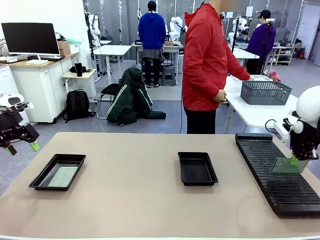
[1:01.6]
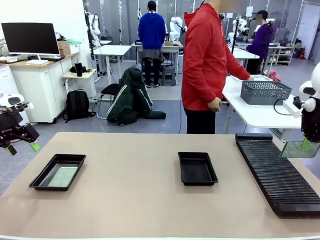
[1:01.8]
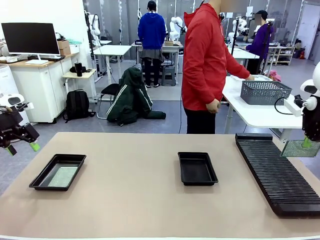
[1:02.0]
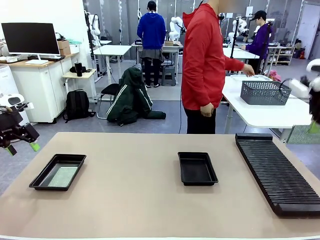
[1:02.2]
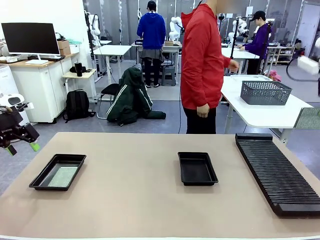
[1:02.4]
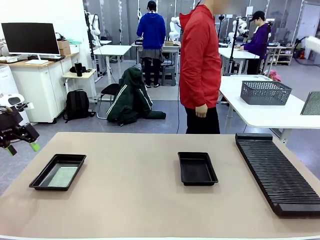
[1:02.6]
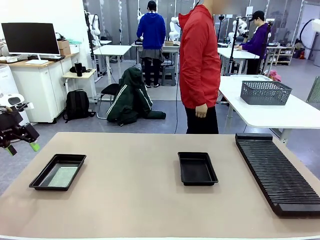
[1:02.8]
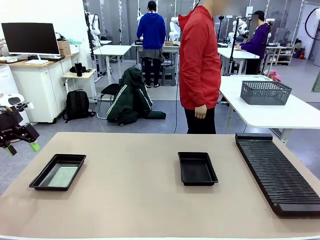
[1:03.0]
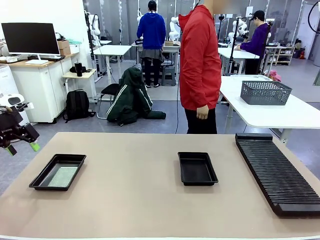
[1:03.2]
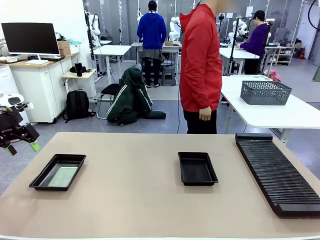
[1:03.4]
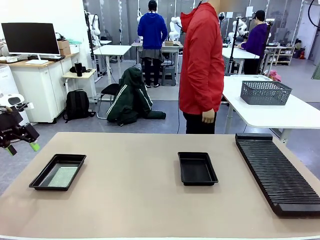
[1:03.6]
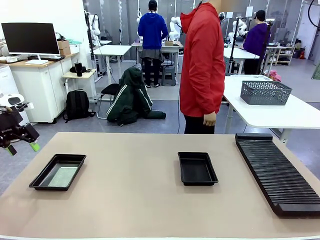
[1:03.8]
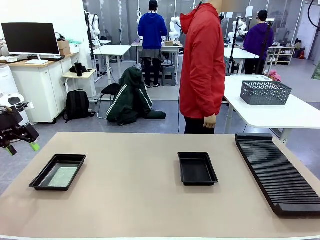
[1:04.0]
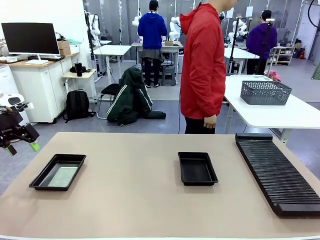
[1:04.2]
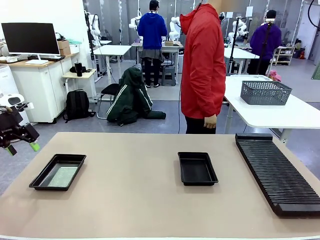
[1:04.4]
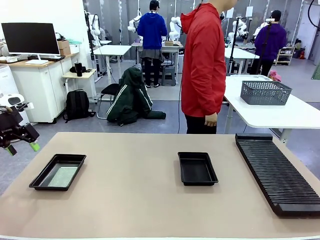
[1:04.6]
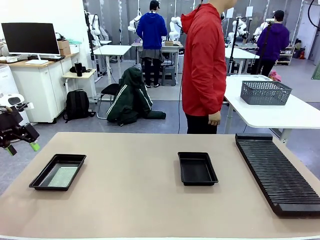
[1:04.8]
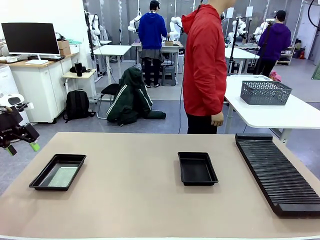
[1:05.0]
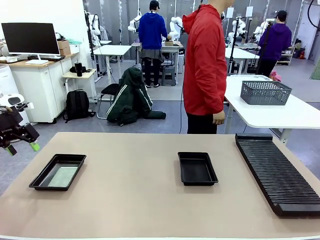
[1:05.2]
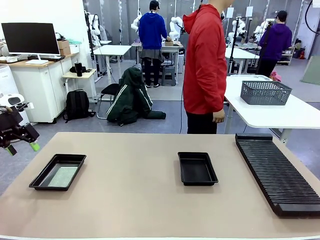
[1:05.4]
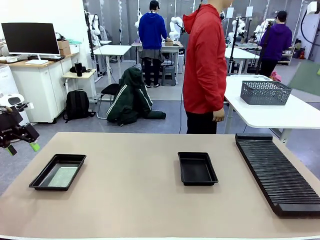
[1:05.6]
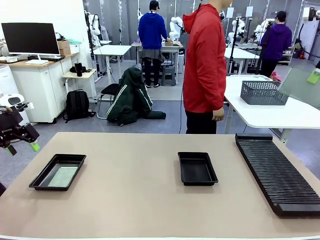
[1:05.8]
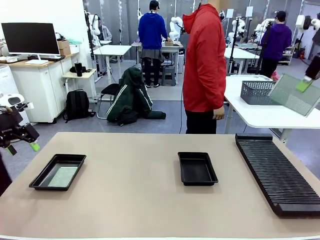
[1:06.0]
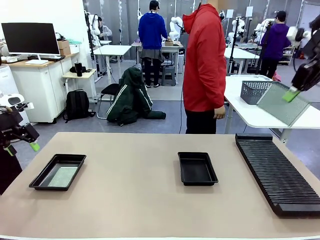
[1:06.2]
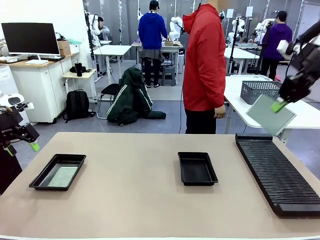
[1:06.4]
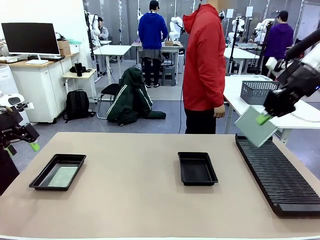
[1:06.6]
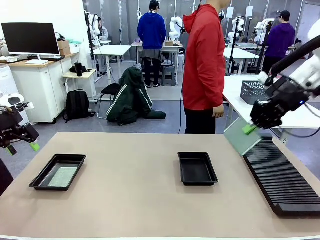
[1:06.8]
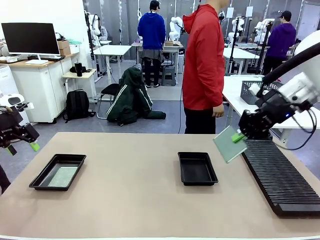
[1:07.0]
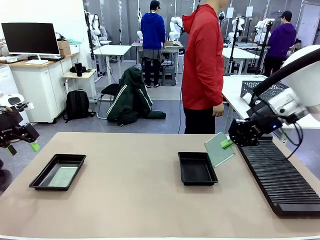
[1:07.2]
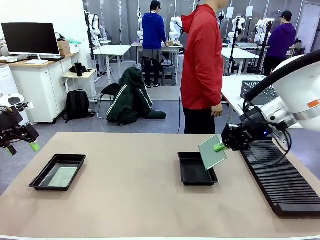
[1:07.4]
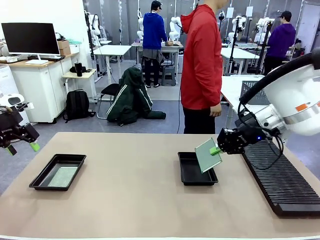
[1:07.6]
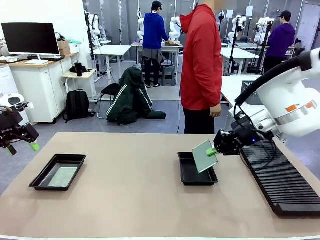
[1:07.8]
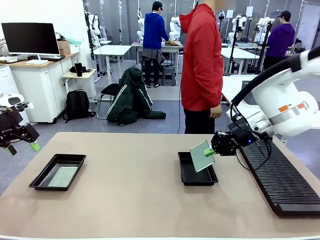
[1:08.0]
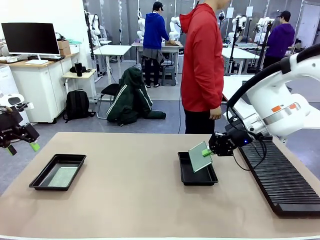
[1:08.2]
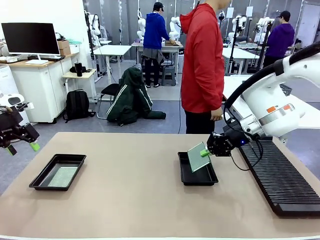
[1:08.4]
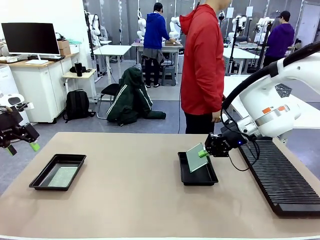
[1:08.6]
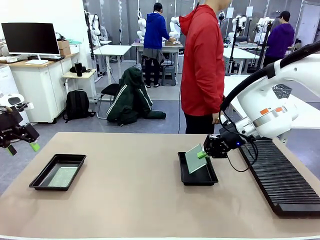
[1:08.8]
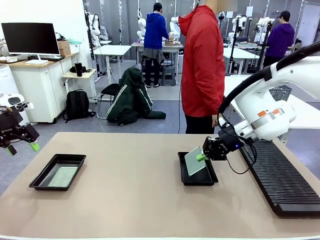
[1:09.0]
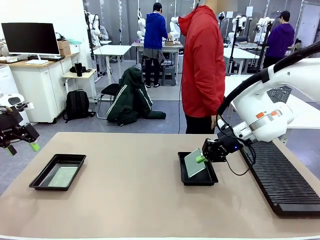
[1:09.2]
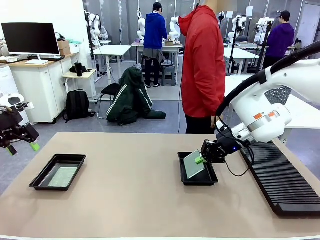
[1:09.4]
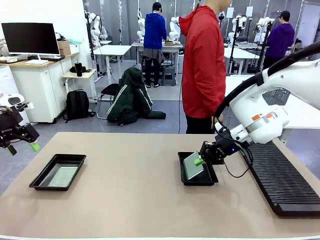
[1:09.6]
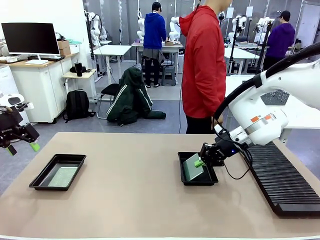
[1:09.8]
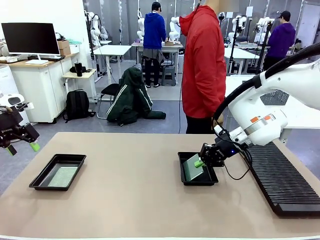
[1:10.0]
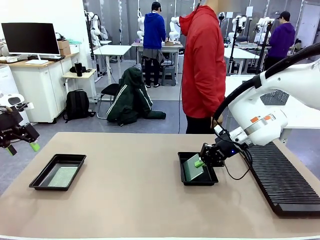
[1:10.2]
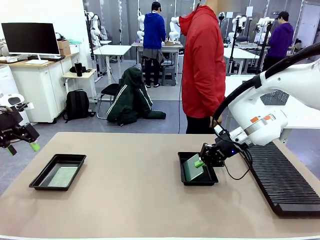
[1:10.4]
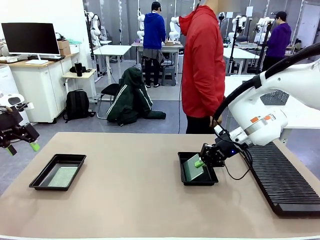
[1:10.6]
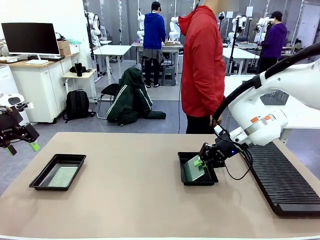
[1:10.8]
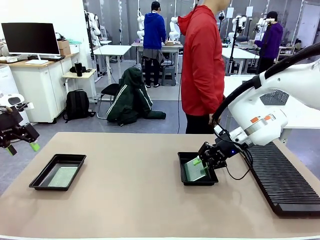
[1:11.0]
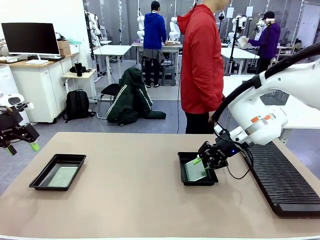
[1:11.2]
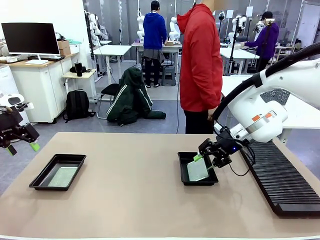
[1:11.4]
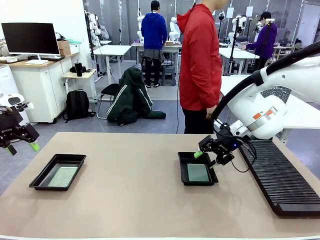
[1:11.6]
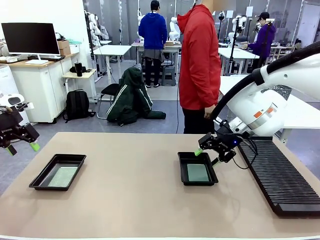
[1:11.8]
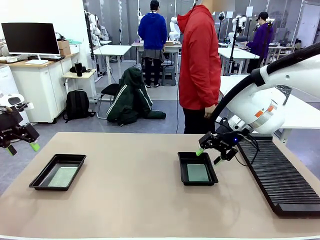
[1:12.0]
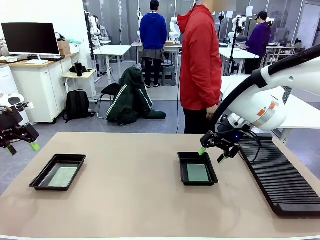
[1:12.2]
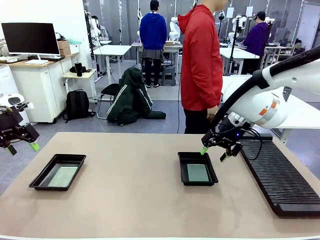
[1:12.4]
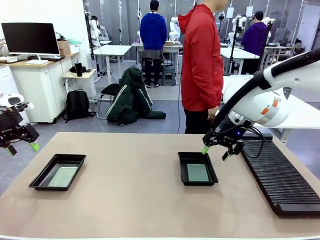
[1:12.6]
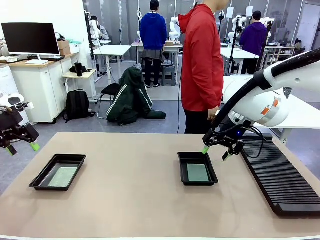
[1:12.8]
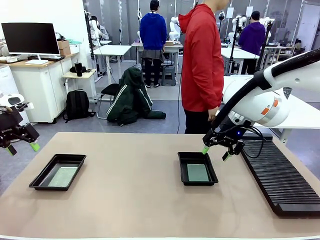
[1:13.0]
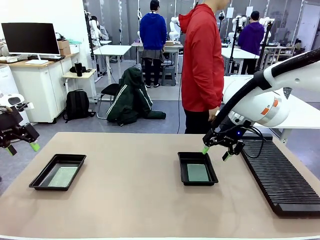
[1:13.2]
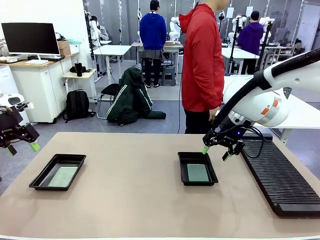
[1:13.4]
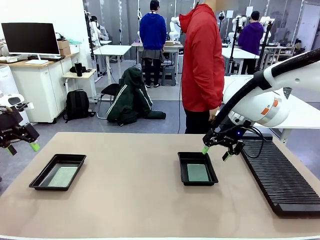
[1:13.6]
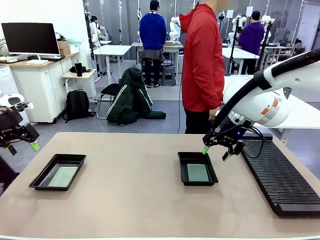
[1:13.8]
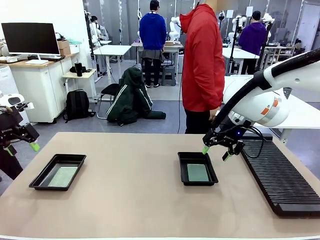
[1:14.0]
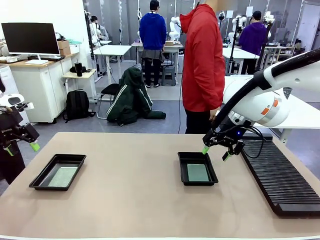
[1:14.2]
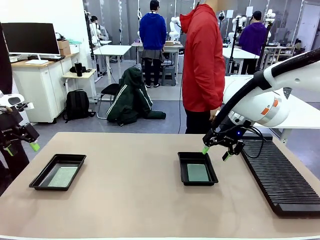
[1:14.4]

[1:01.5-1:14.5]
Task: Inspect and transfer BCBs to ESD trays.
Robot: Pick up the Blank PCB from the PCB Rack and place it in the right ESD tray.

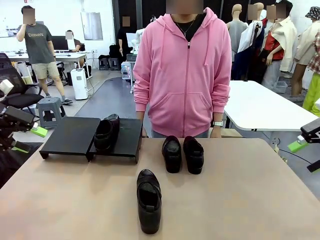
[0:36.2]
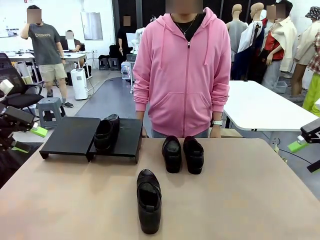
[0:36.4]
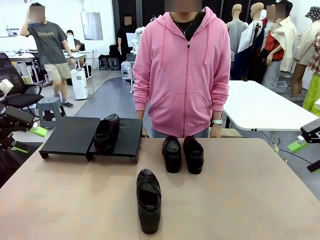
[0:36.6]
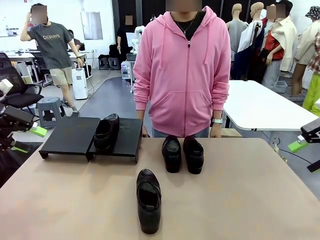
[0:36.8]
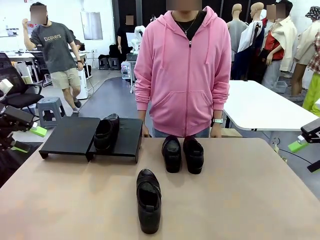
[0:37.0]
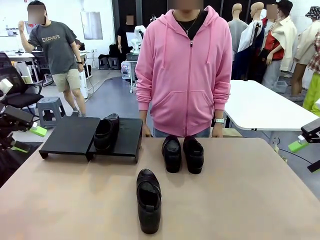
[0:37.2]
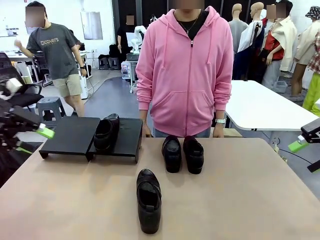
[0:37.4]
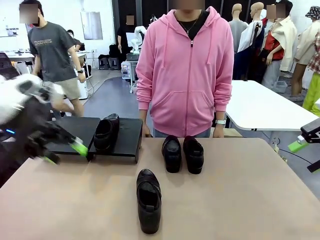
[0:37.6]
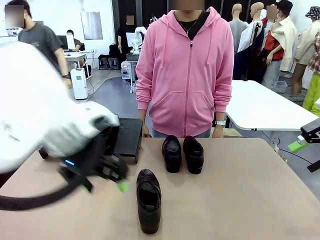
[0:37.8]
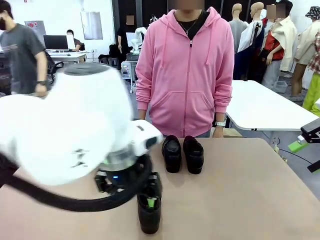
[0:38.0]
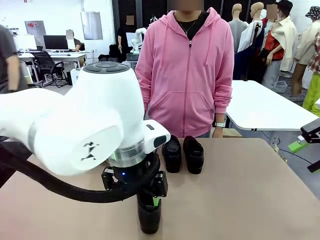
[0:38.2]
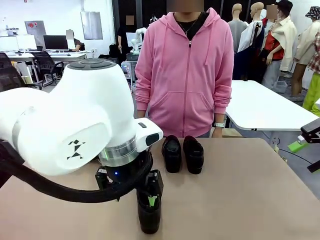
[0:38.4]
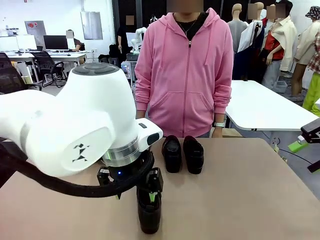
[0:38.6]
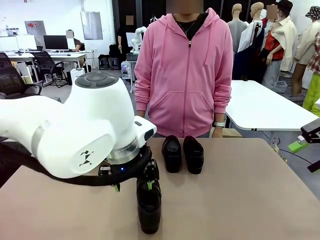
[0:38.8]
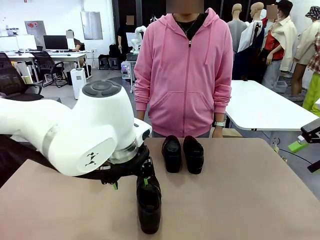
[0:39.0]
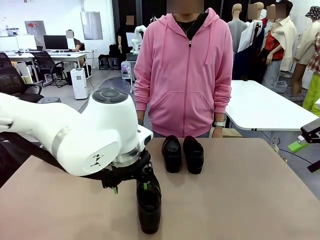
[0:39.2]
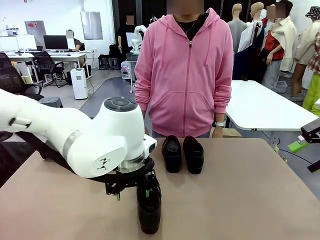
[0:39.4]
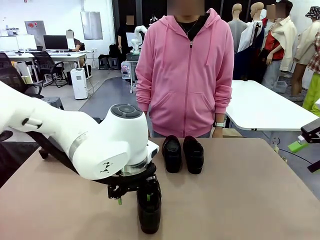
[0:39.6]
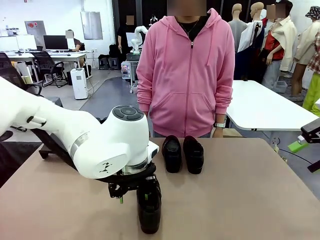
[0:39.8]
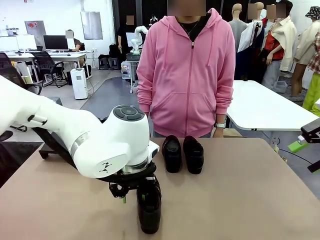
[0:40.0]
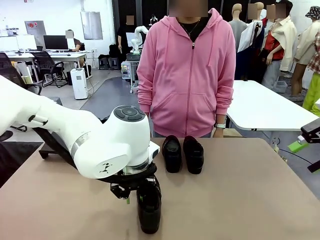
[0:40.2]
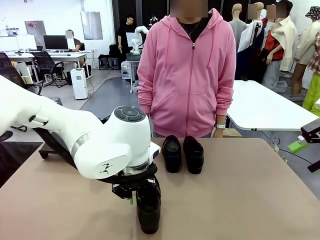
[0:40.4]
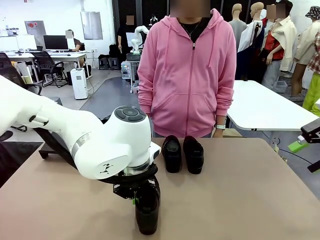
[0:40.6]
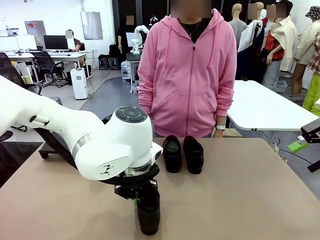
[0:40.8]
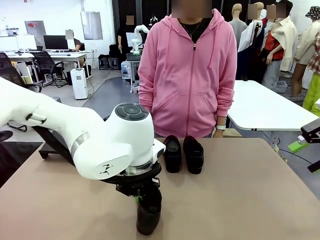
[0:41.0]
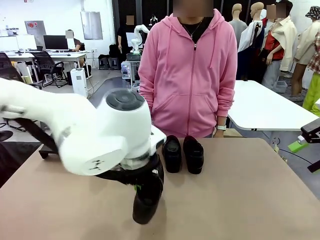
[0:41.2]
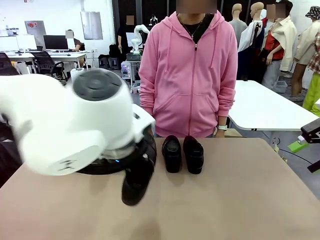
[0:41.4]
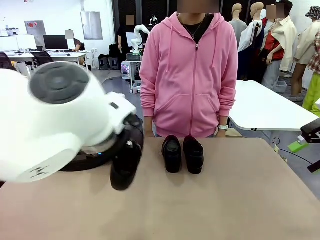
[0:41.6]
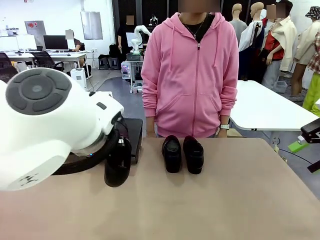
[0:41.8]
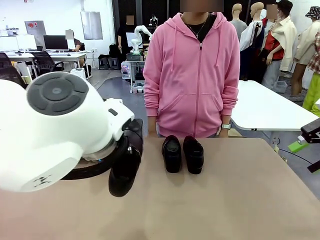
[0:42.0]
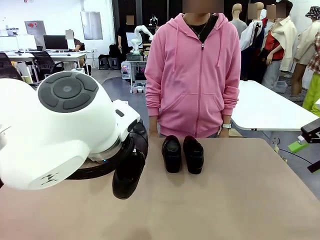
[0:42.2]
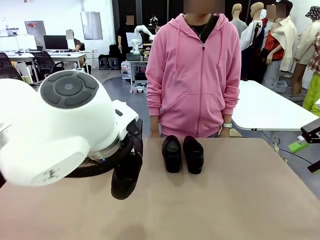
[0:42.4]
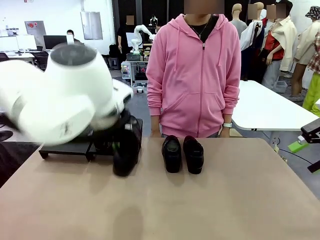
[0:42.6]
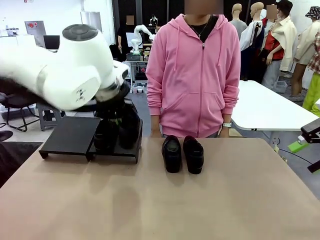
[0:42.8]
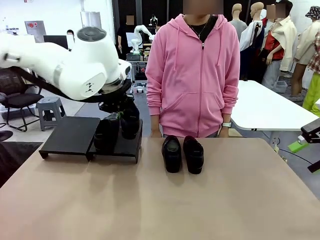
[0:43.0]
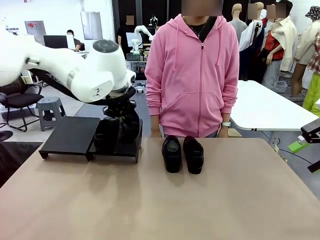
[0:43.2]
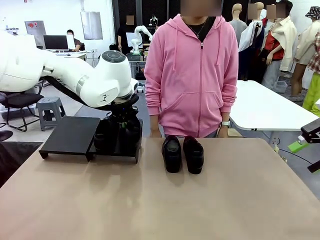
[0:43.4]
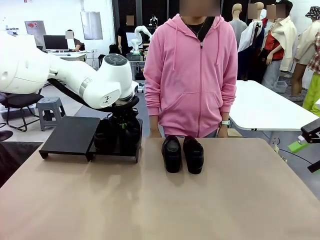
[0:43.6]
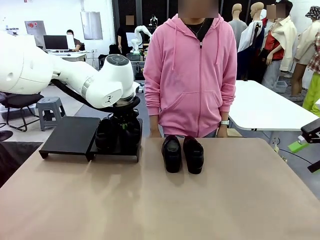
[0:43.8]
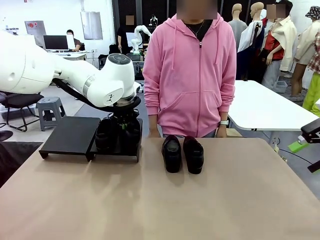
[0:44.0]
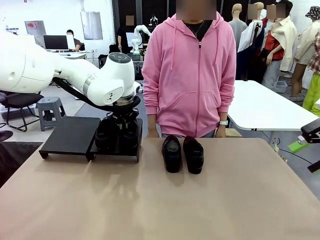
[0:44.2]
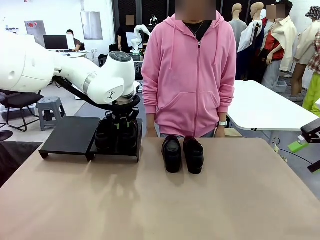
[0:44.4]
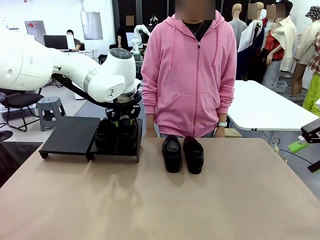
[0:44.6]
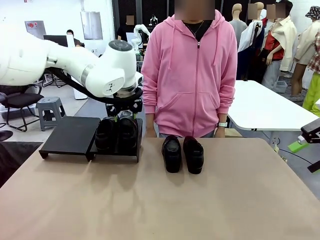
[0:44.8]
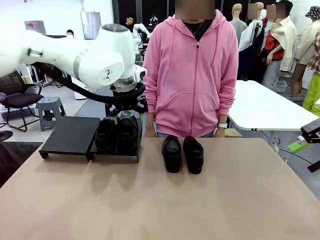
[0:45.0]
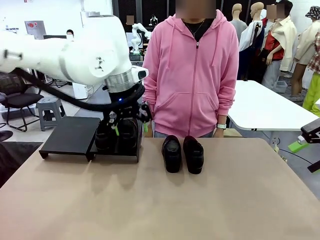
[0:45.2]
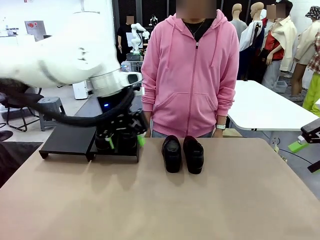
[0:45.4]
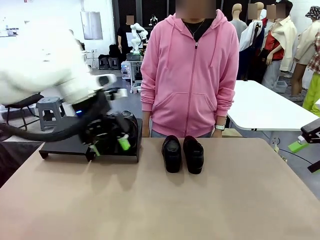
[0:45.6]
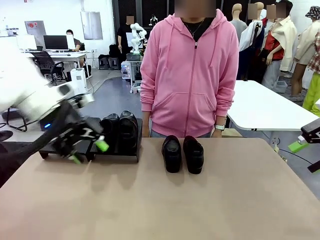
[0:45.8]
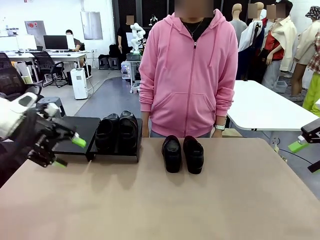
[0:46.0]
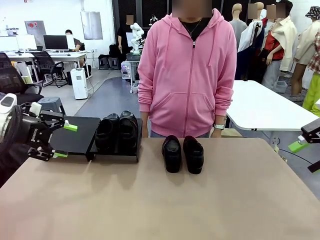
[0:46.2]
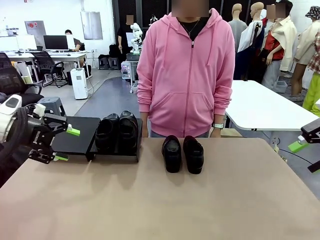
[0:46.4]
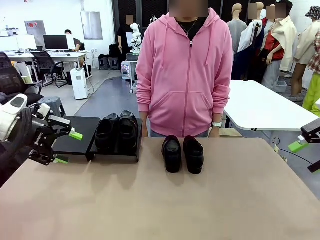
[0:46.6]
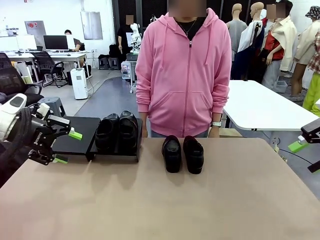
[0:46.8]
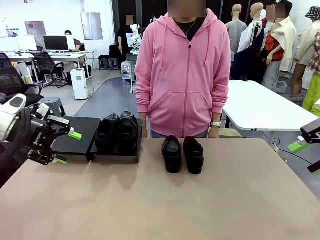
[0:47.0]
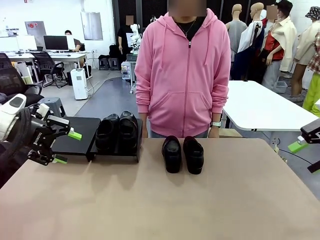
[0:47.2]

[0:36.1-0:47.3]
Task: Organize the shoes by placing them on the stand.
Robot: Place the Shoe from the middle of the table onto the Shoes Stand.
